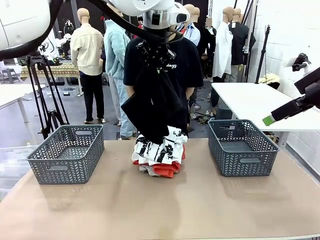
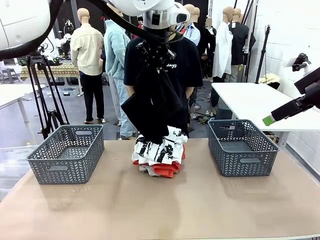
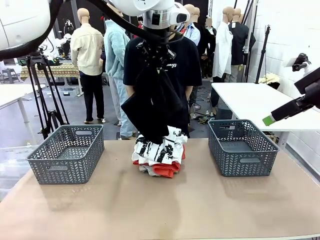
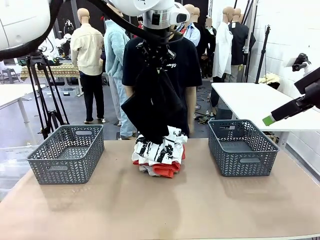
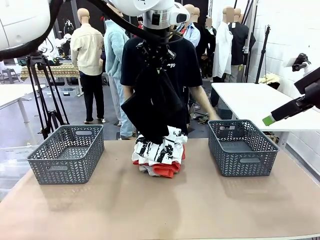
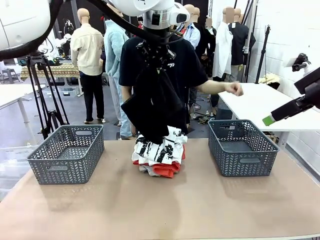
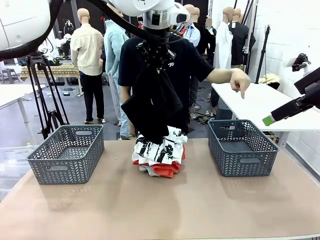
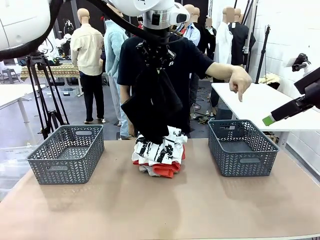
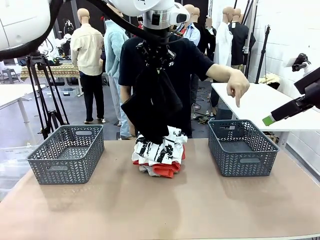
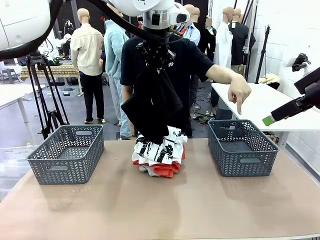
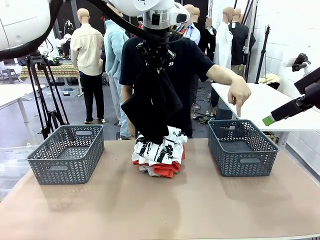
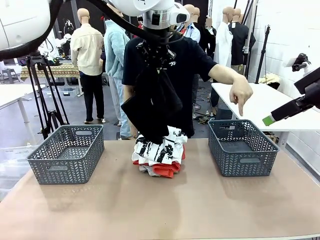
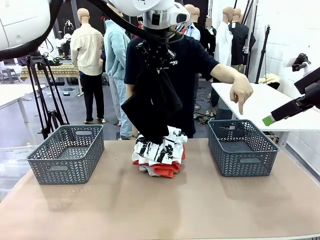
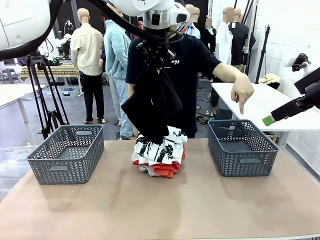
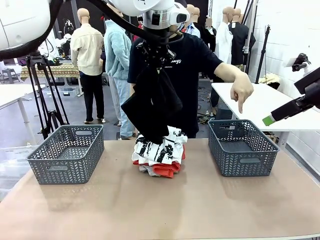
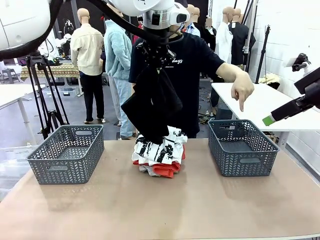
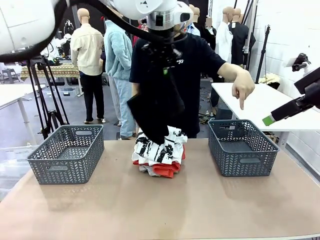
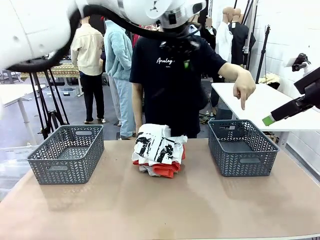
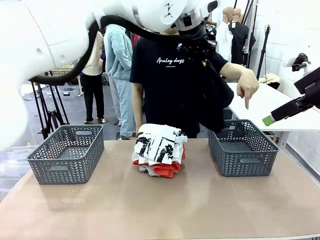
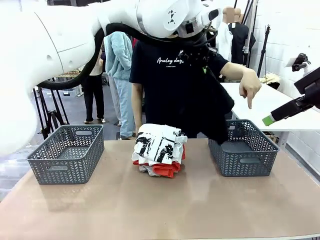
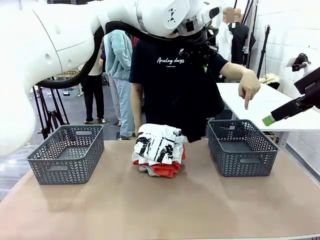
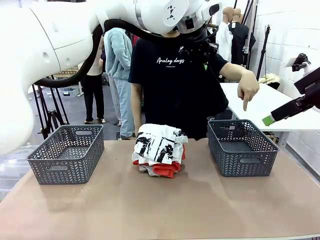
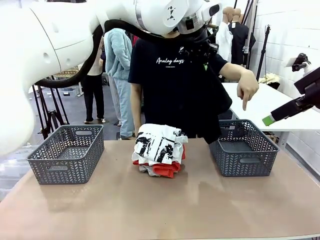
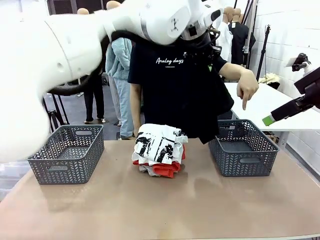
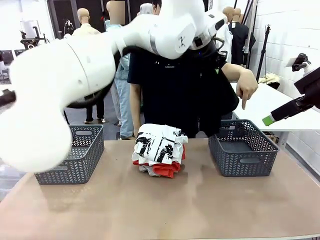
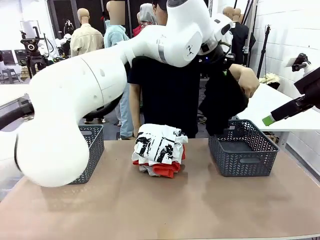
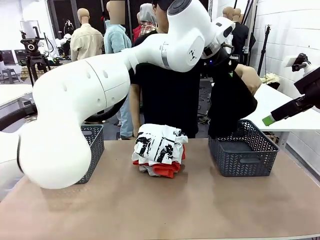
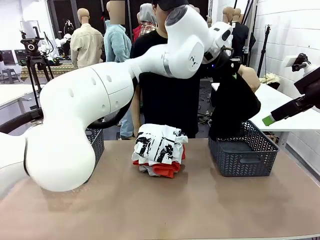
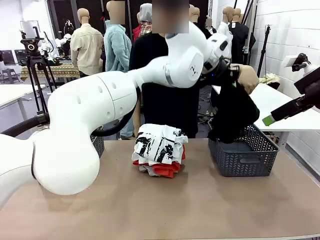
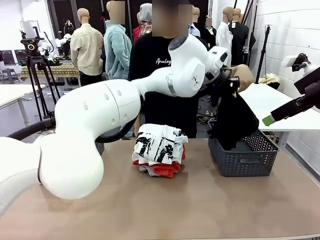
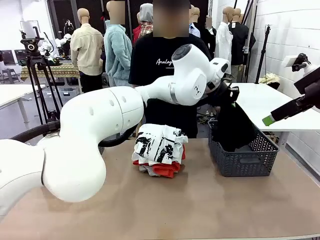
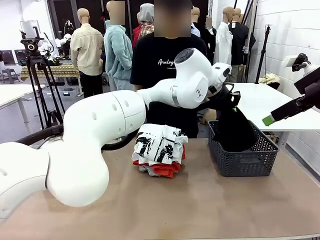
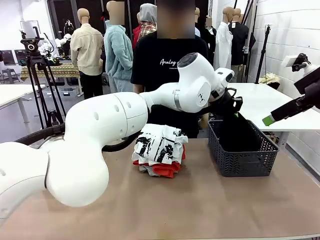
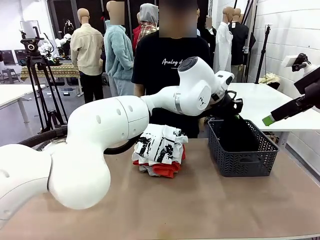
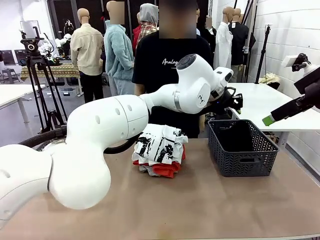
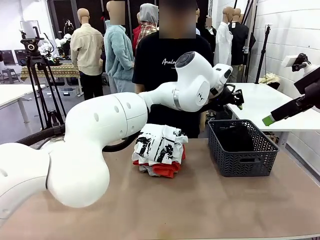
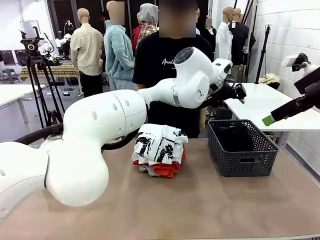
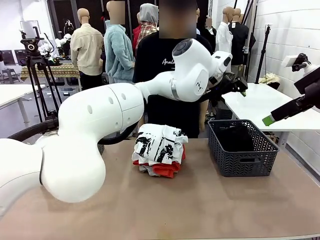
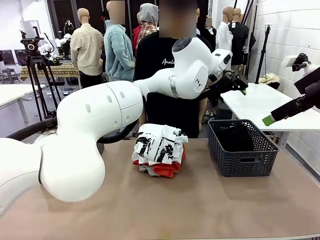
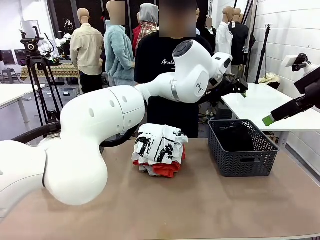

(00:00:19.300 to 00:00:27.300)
Task: Sort the tops and bottoms.
Robot: Sort the clothes according to human instructions.

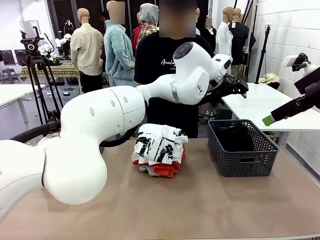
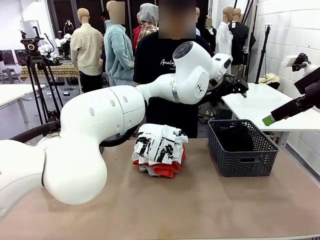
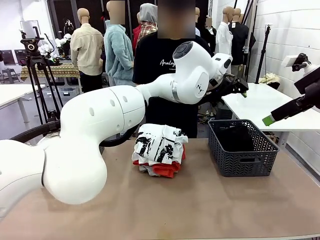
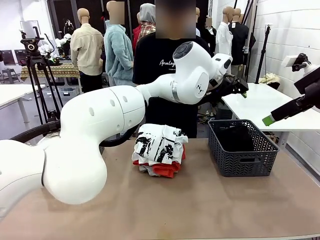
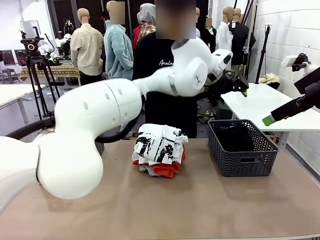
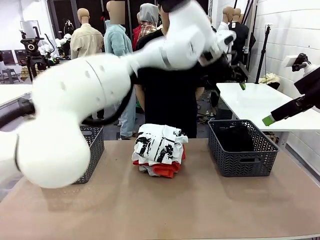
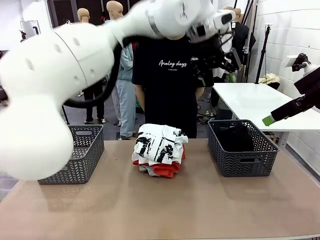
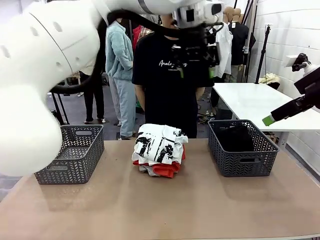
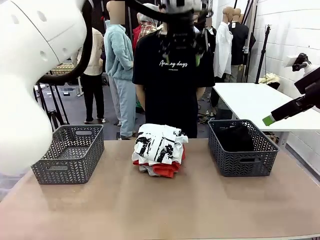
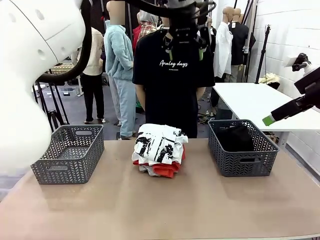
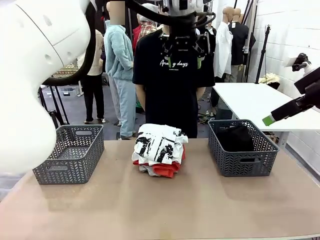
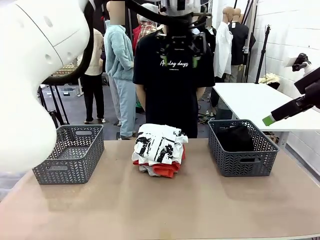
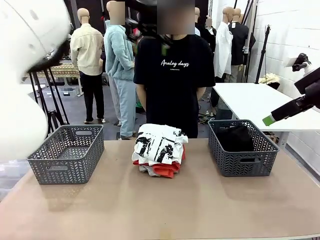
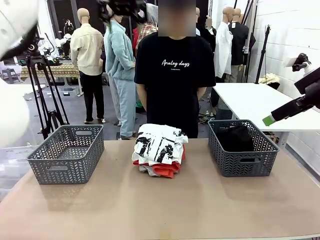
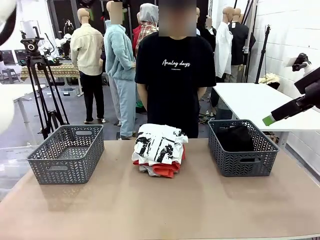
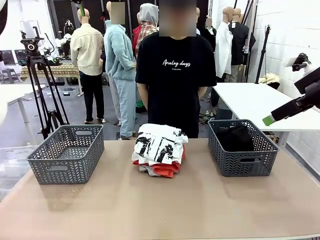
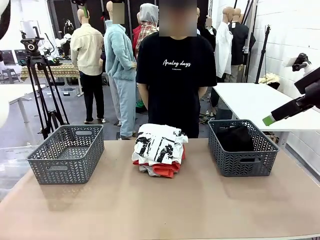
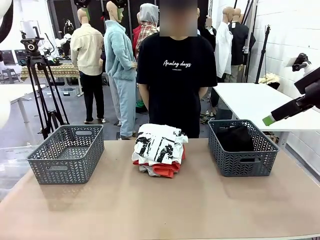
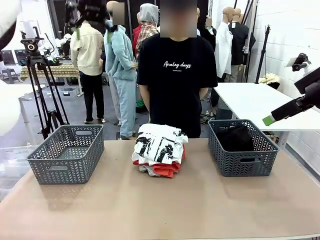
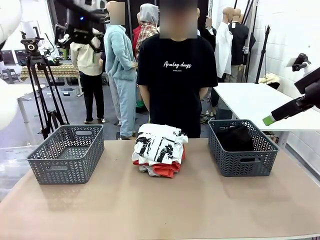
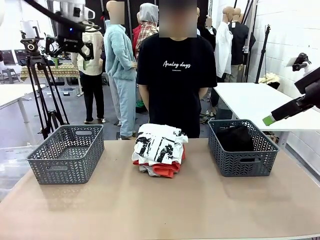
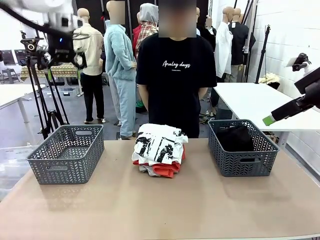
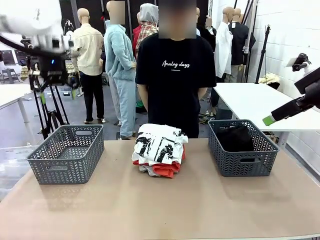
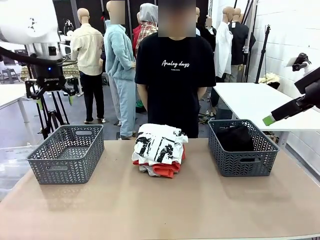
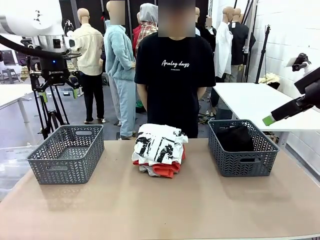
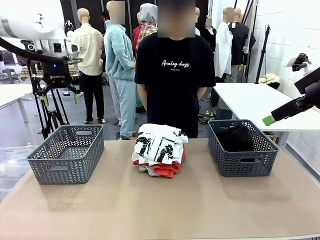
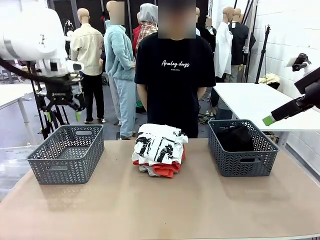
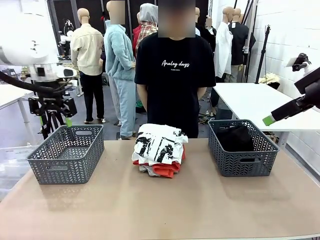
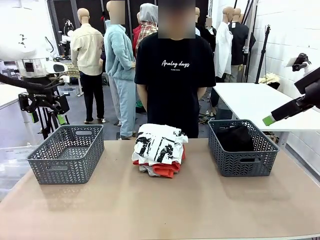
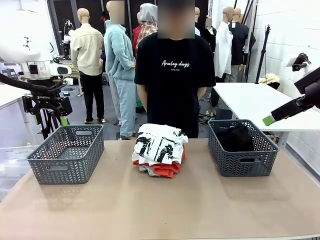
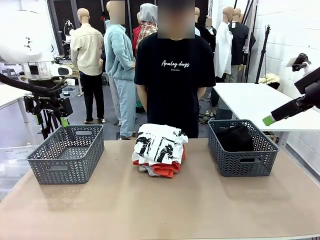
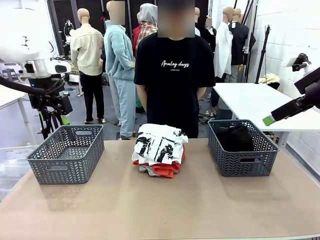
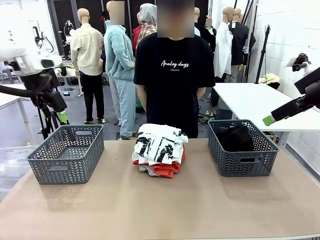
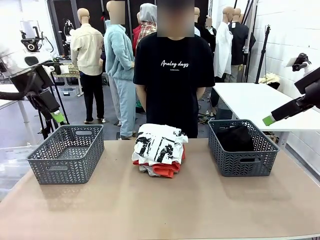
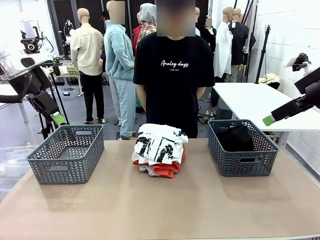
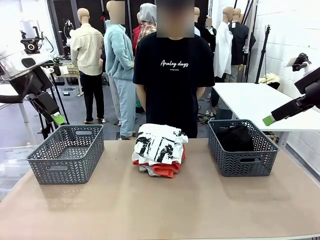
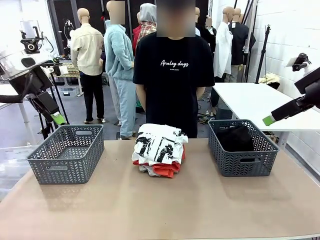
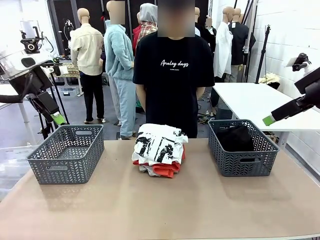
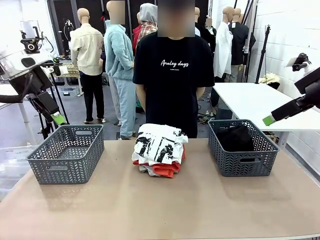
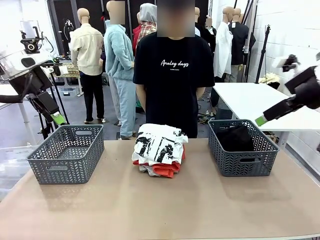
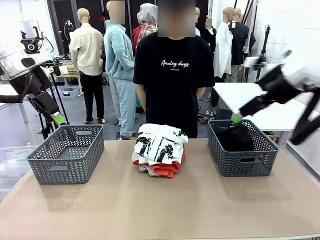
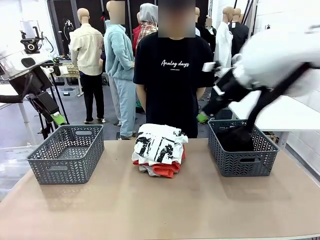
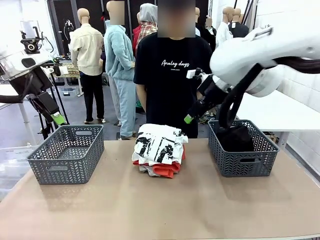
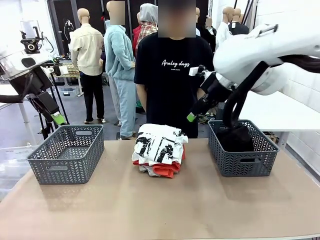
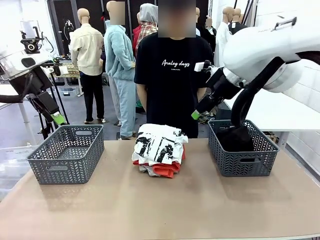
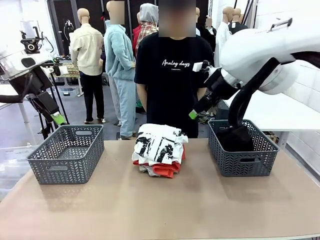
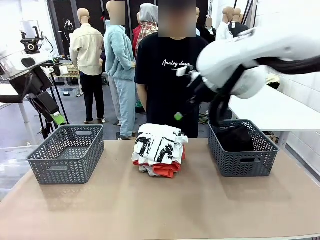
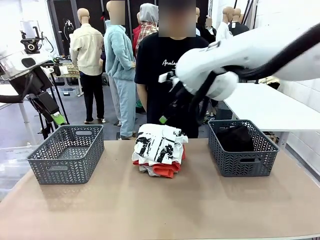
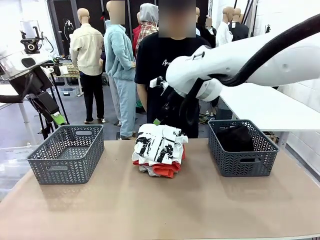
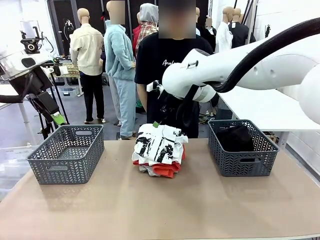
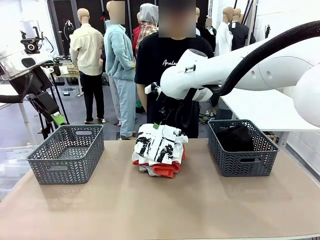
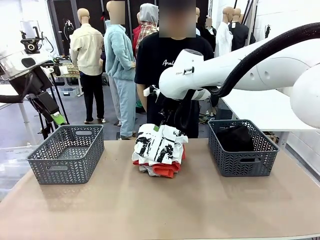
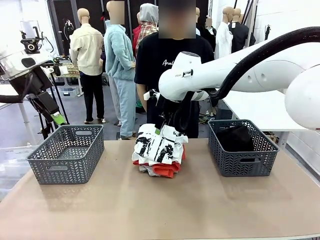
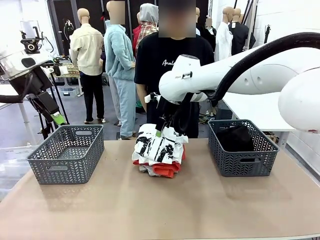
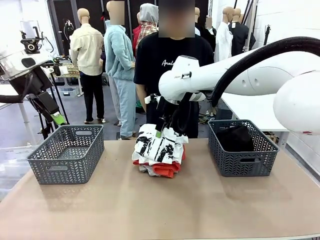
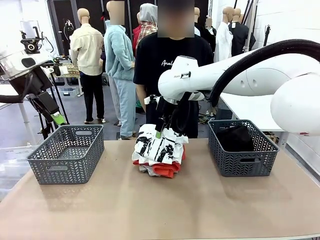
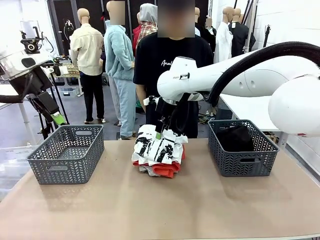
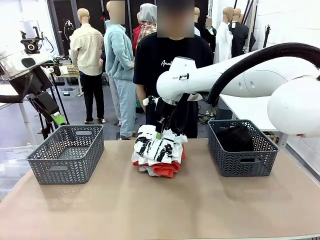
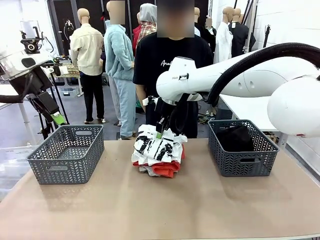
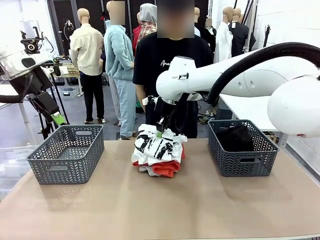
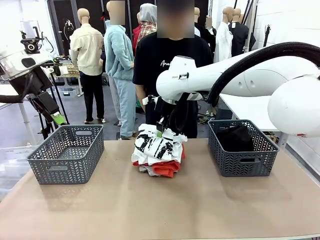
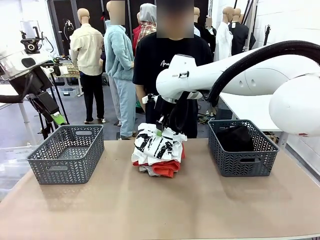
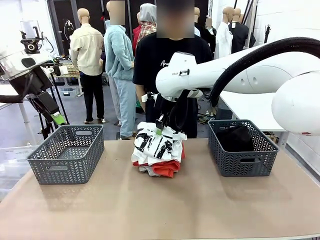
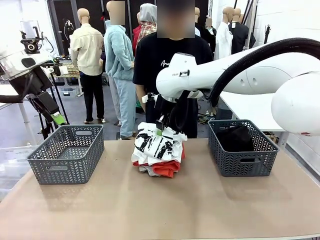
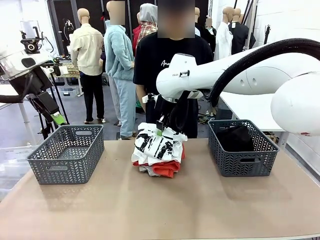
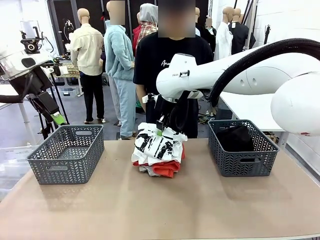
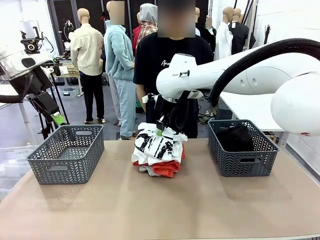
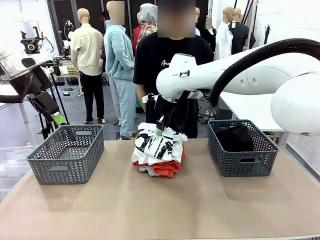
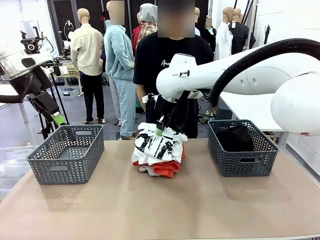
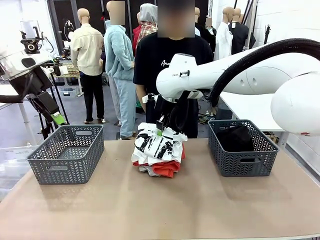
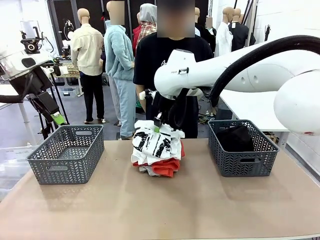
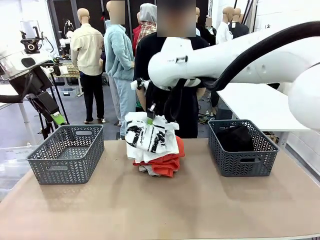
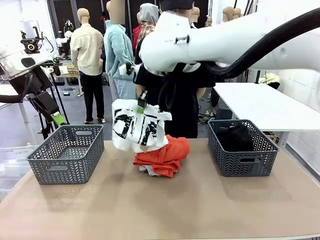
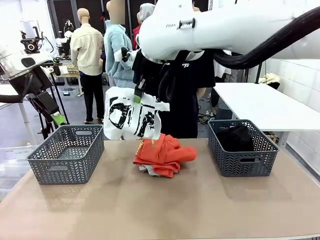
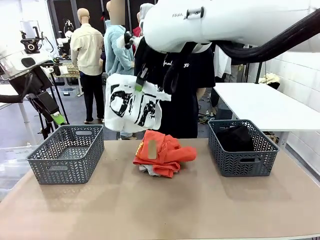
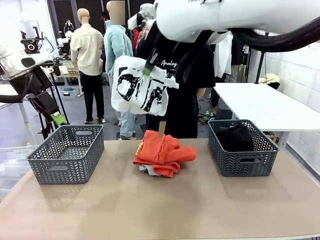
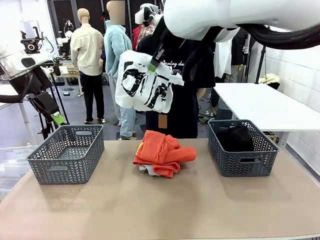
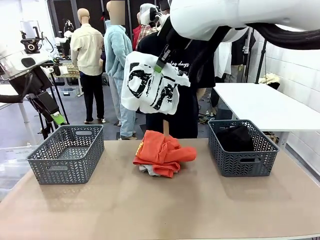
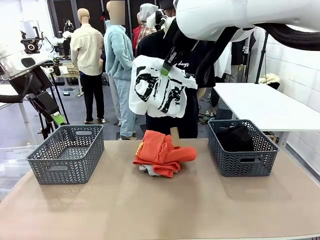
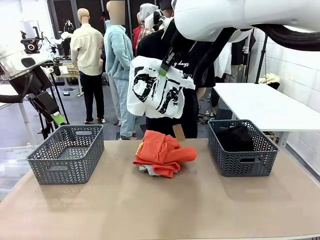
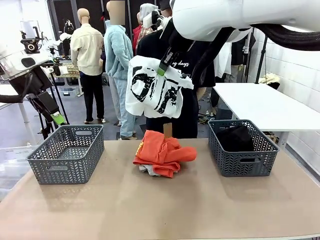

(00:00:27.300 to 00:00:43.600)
Robot: Lift clothes from the center of the table with your right hand.
